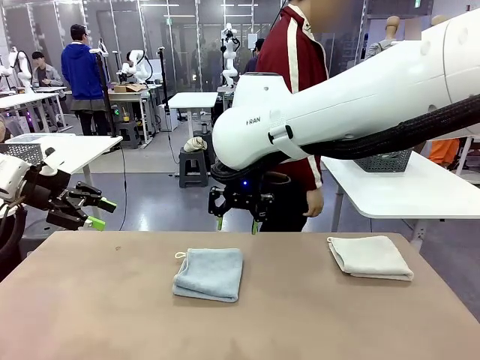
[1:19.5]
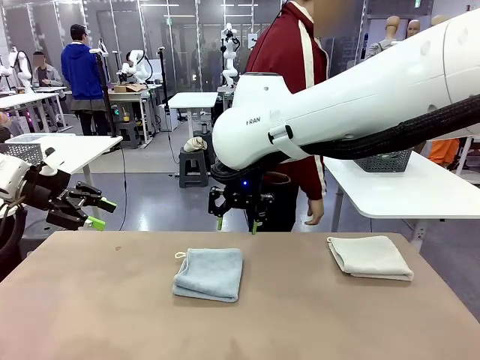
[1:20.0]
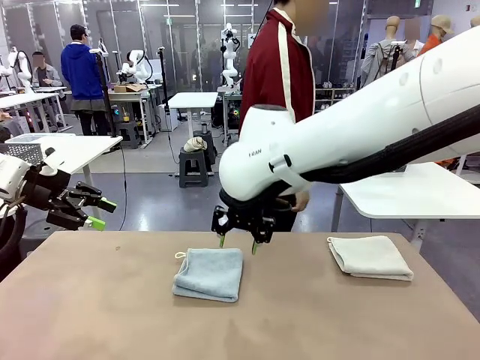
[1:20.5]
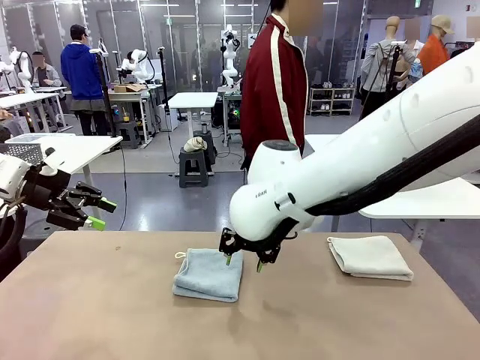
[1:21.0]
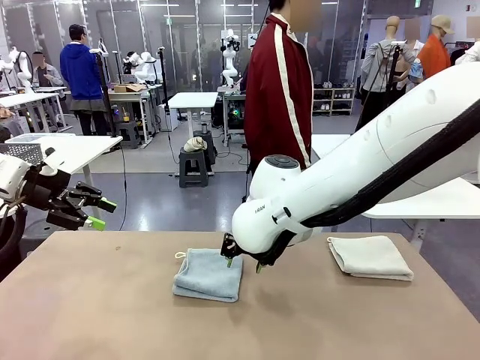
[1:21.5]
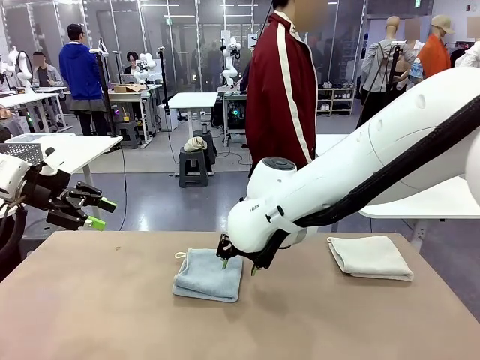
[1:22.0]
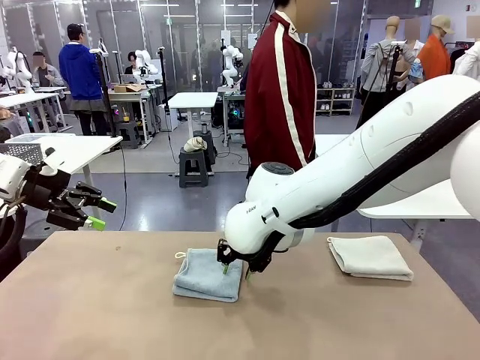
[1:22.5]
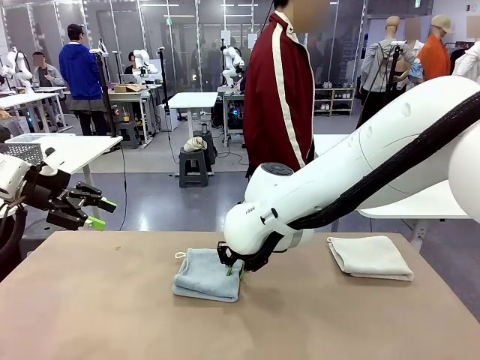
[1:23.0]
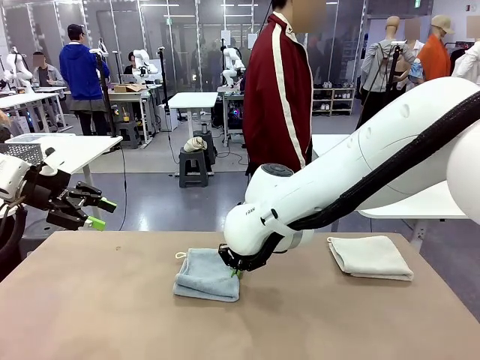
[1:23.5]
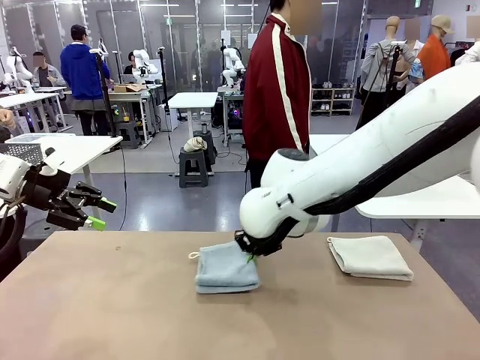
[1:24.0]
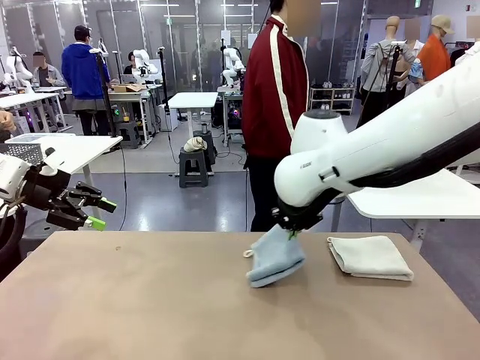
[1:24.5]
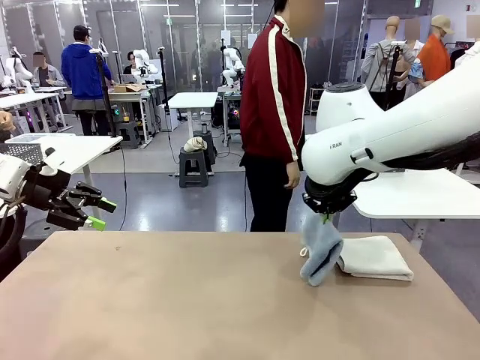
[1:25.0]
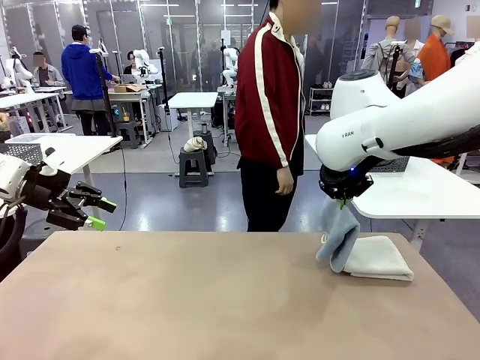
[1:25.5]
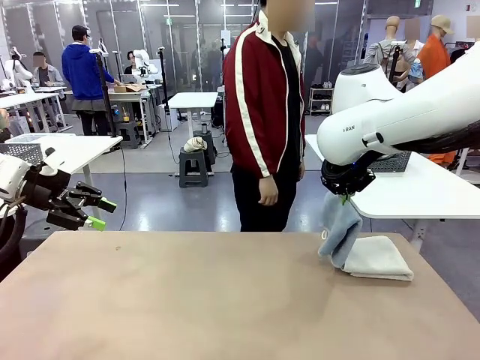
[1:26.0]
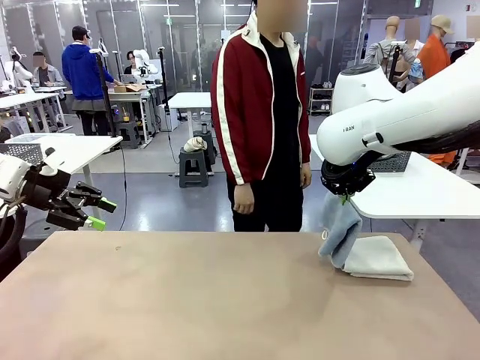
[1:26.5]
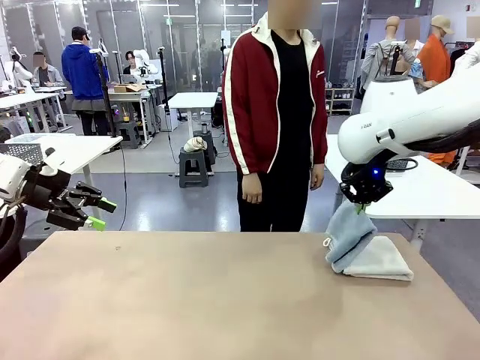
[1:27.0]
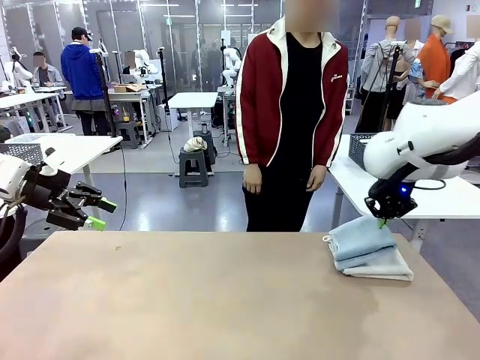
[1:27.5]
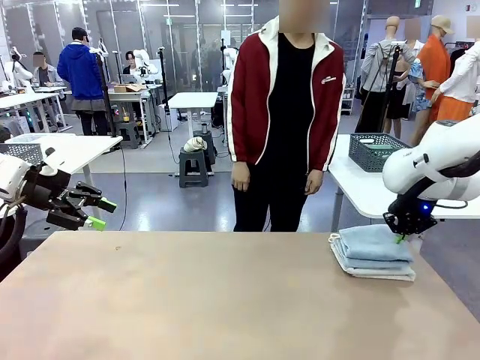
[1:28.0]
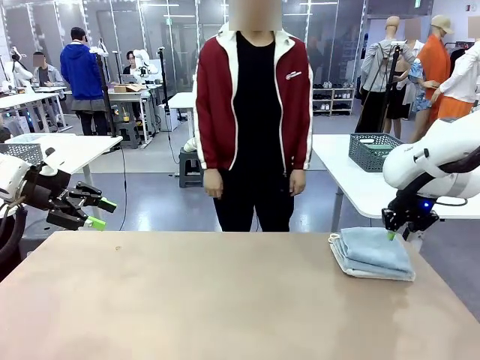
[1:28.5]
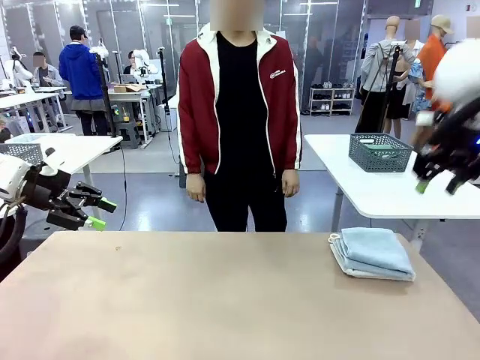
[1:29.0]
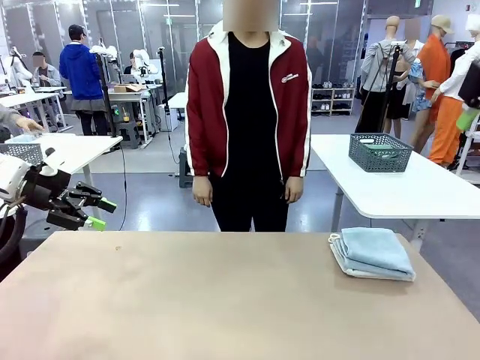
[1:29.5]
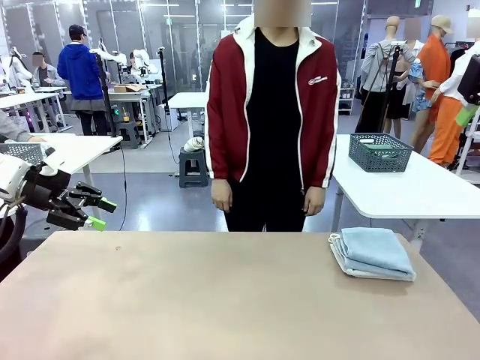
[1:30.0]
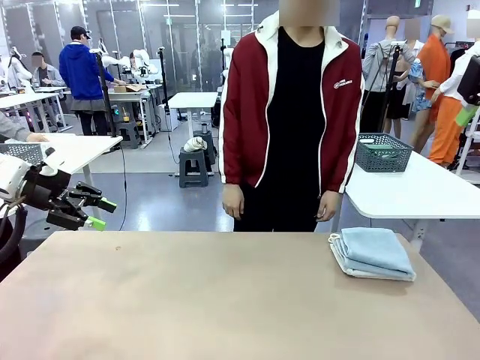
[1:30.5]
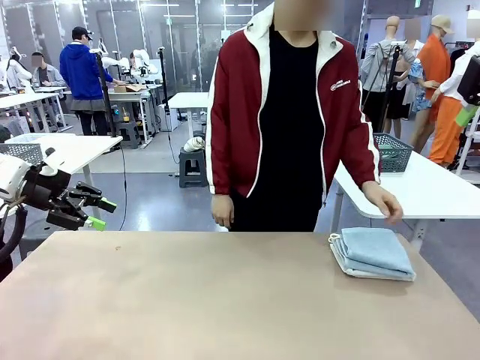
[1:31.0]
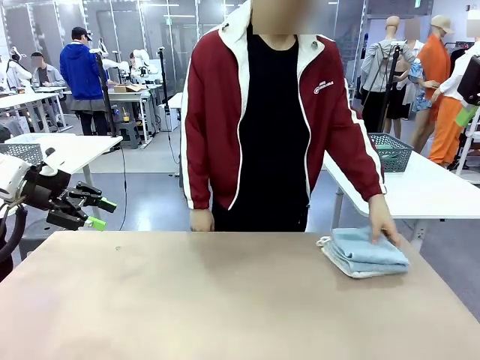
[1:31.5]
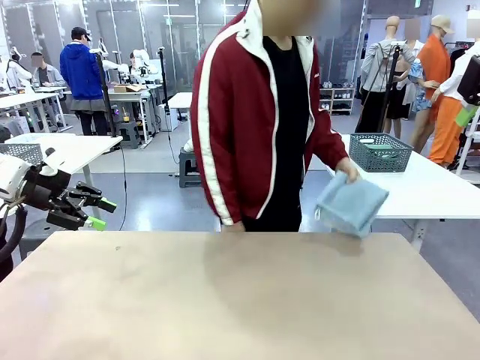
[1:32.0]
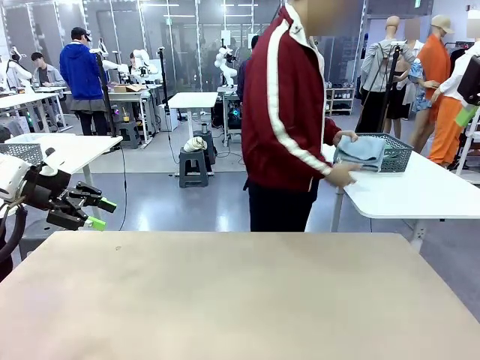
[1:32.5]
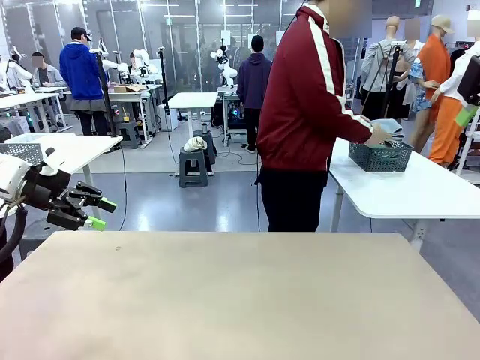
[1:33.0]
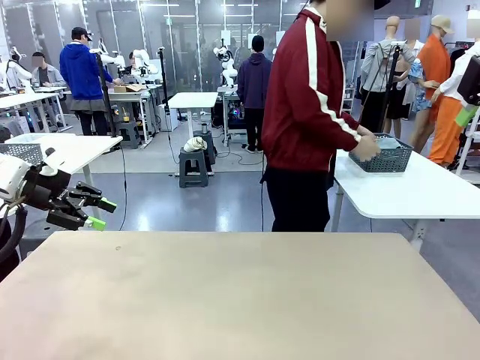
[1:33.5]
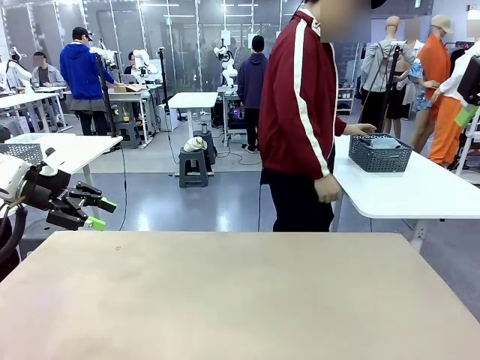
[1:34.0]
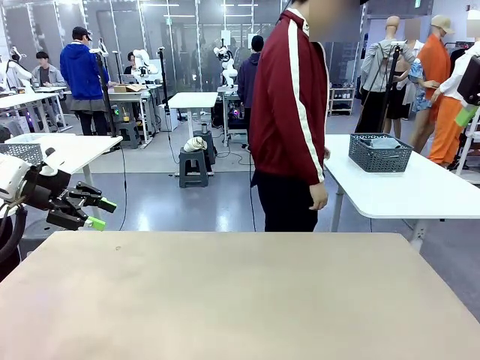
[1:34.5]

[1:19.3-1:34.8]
Task: Fold the towels and place them in the basket.
Robot: Stack the folded Towel with hook on the right side of the table.
Person: Pick up the stack of towels from the robot table and place it into the basket.

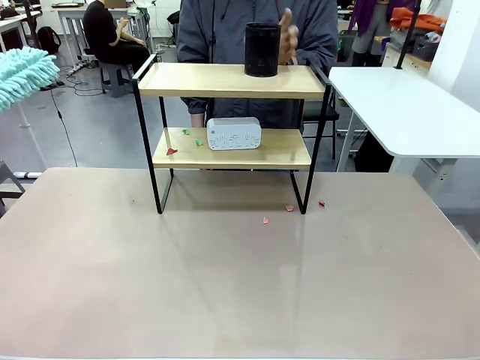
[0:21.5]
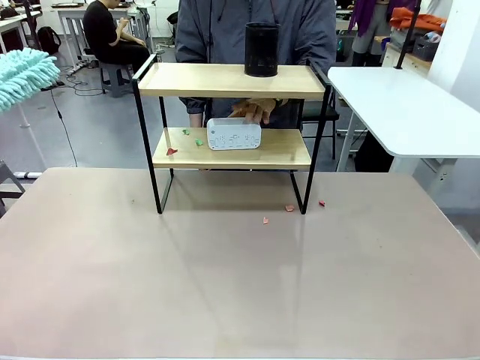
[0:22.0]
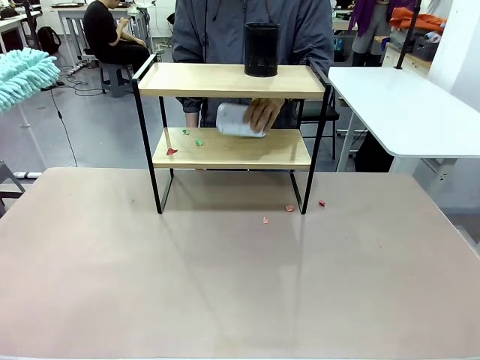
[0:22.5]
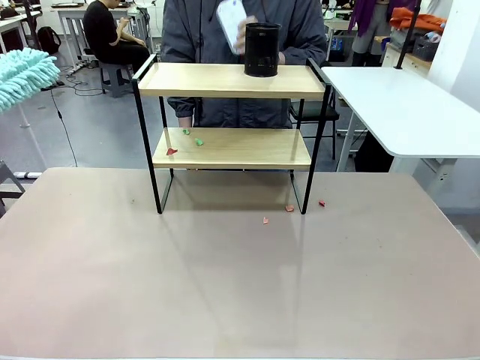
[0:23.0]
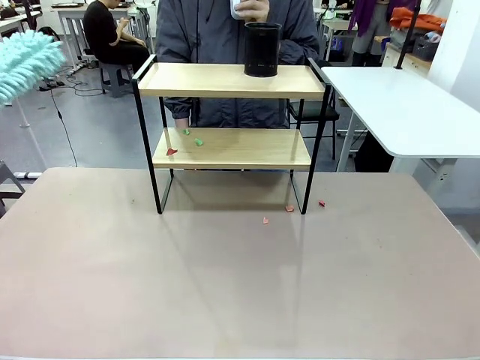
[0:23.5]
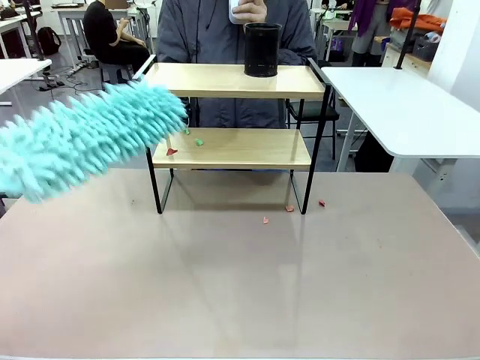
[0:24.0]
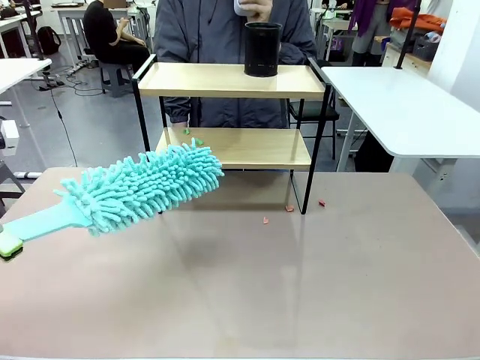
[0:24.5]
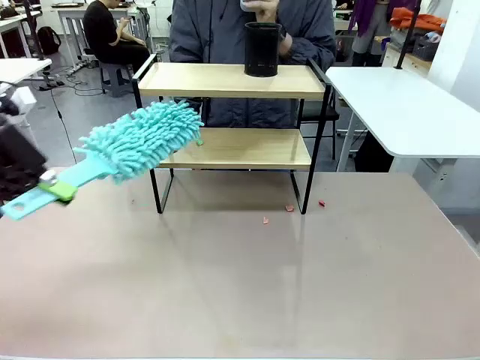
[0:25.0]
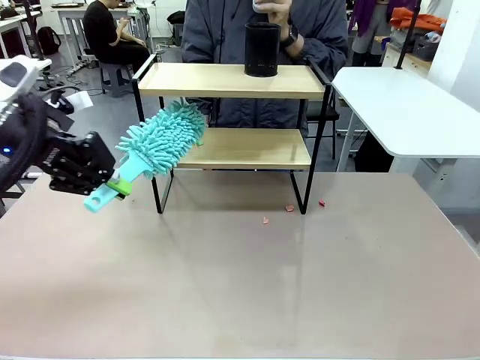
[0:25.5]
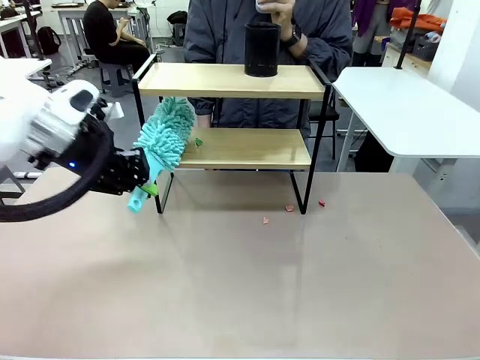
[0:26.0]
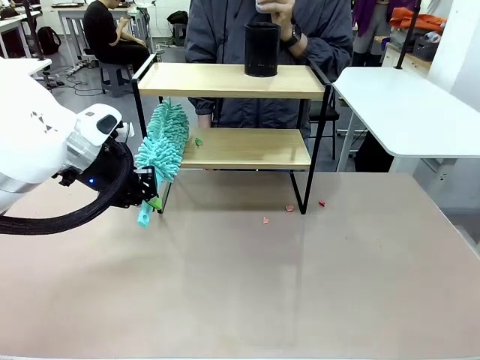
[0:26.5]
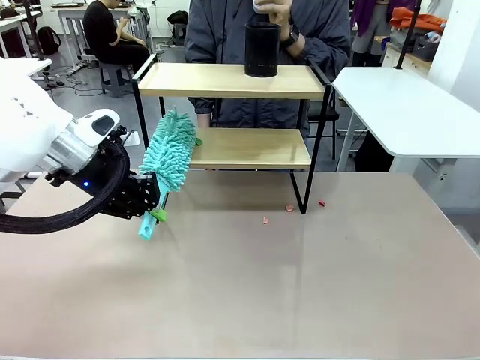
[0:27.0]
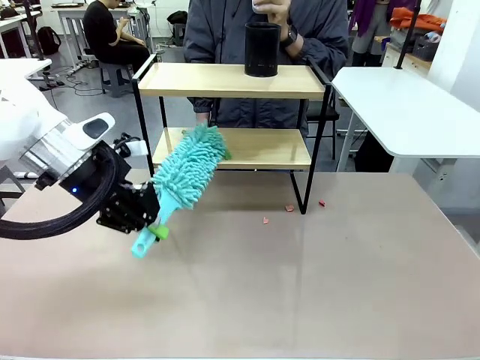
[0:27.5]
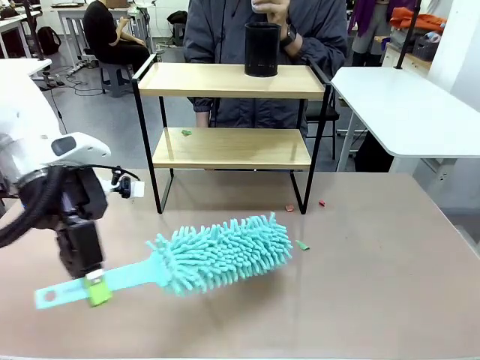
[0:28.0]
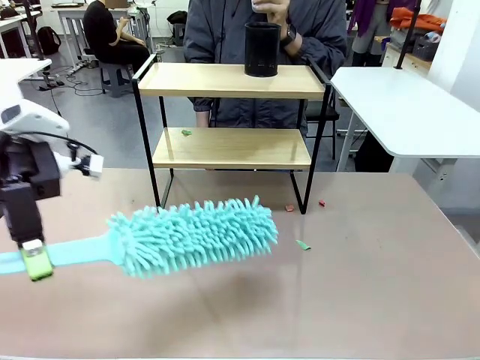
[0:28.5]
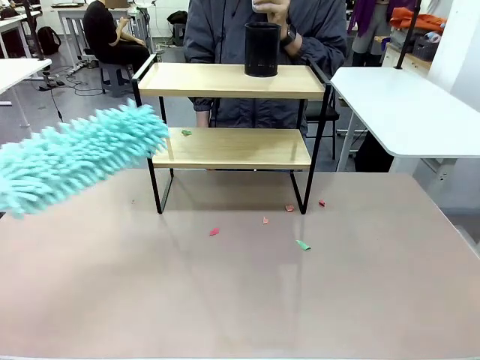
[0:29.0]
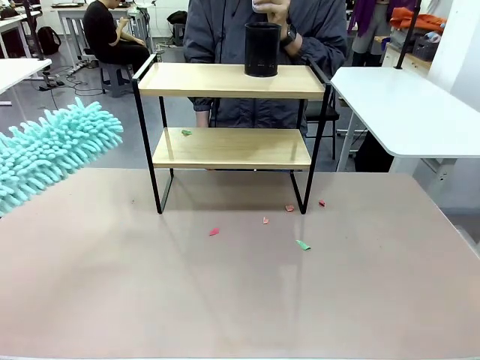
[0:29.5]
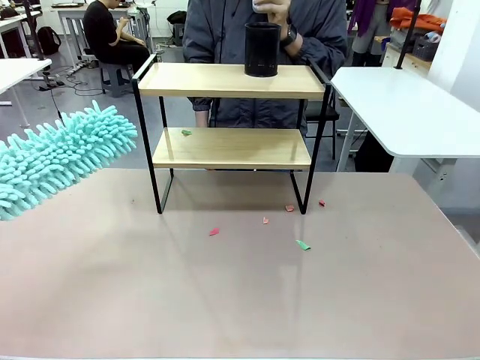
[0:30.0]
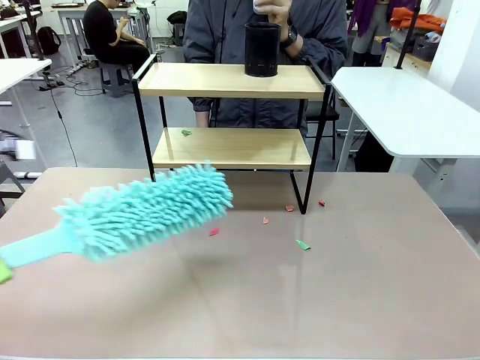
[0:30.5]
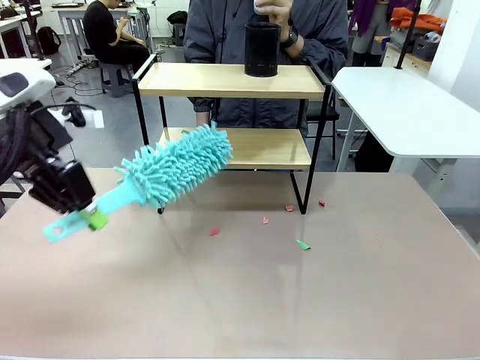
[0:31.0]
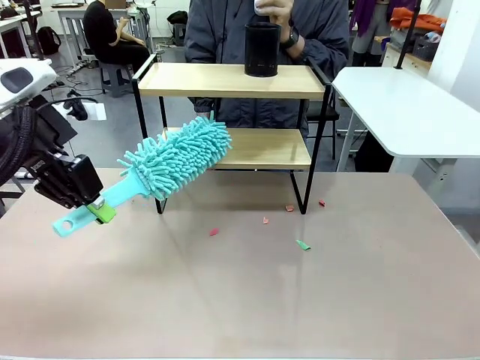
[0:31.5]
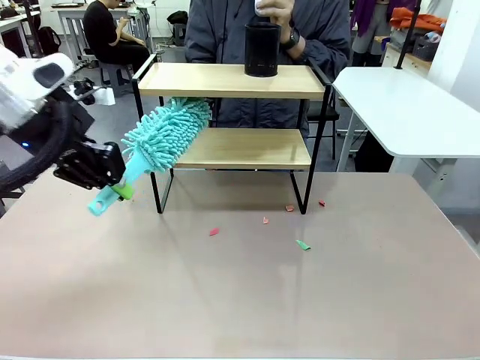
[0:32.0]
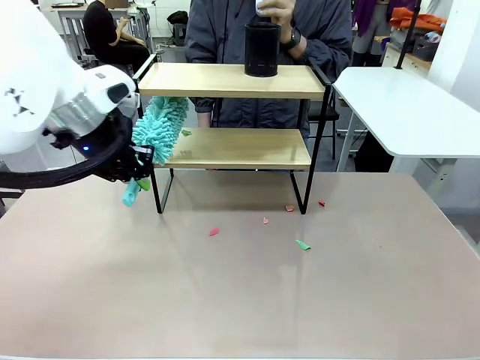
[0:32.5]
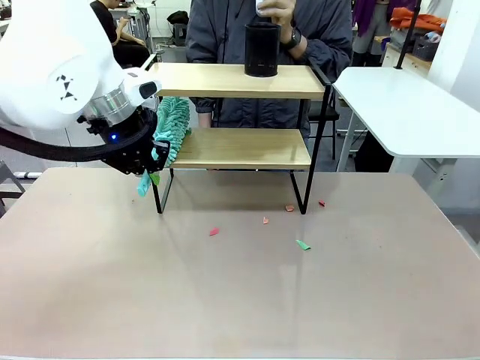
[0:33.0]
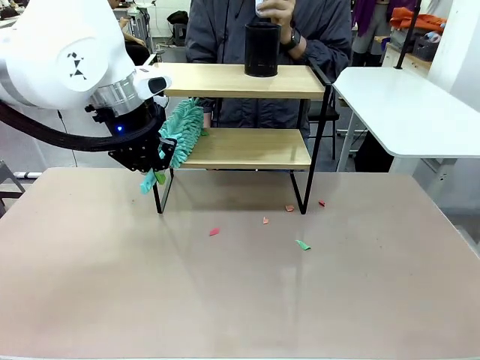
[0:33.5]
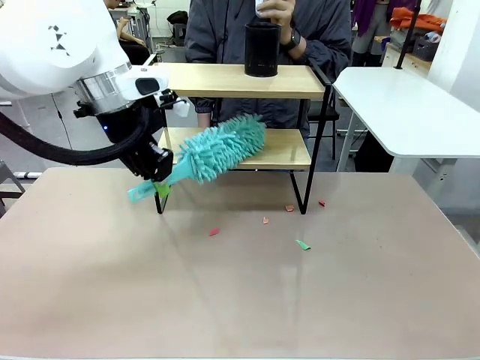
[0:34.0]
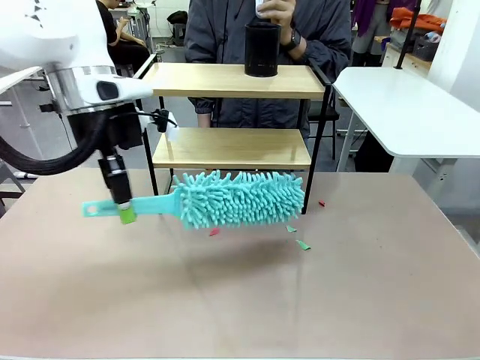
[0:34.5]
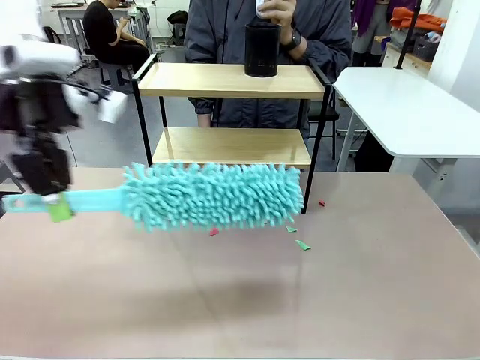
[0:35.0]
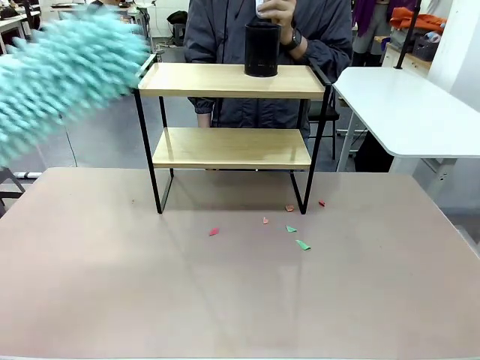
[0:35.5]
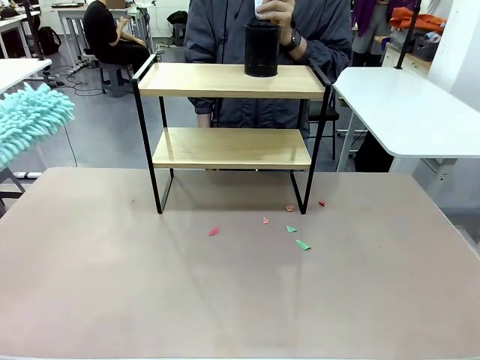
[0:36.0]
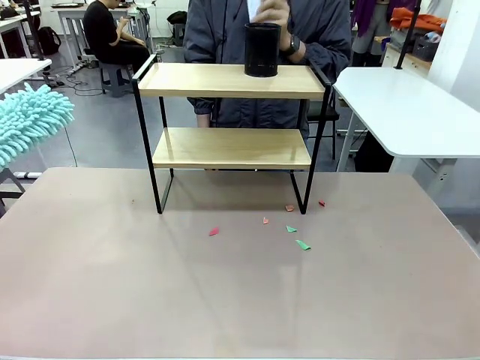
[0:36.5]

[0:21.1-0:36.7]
Task: Clean the shelf.
Robot: Clean the remaining tier of the Shelf with the Duster once objects are removed.
Person: Receive the Duster from the robot.
